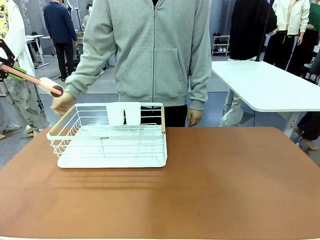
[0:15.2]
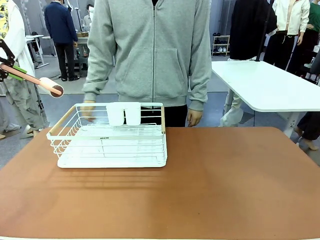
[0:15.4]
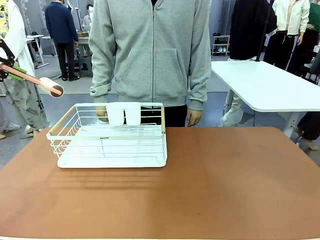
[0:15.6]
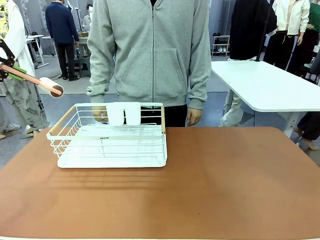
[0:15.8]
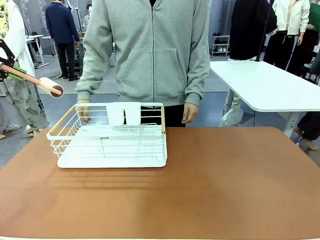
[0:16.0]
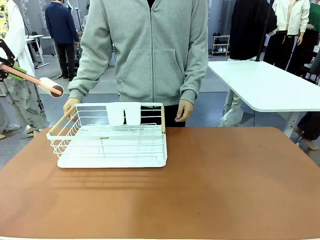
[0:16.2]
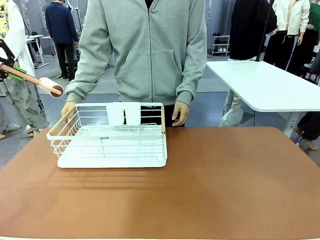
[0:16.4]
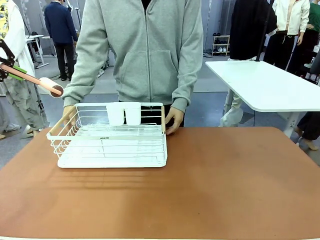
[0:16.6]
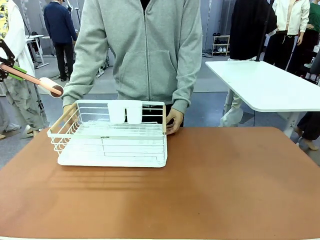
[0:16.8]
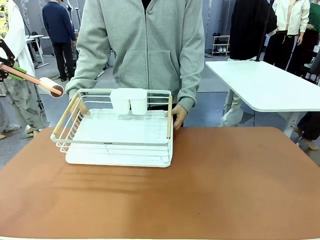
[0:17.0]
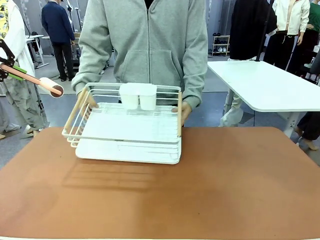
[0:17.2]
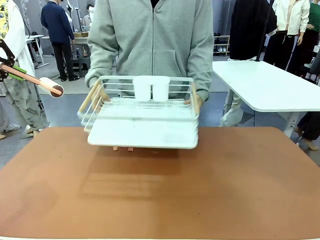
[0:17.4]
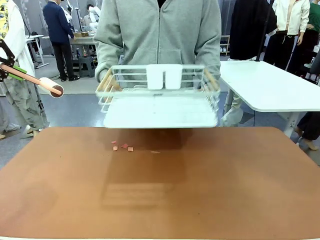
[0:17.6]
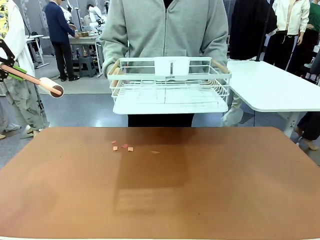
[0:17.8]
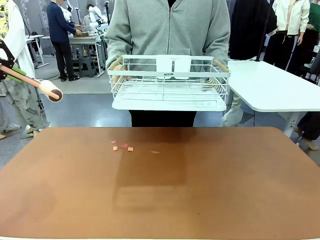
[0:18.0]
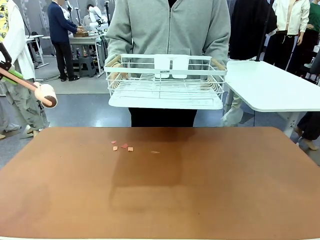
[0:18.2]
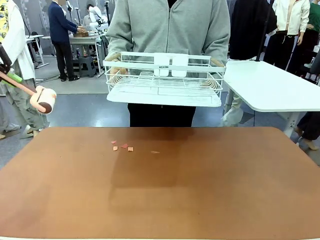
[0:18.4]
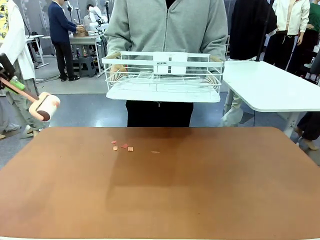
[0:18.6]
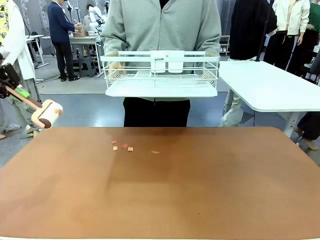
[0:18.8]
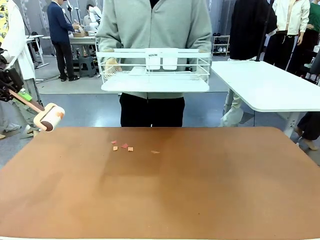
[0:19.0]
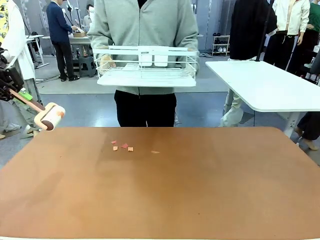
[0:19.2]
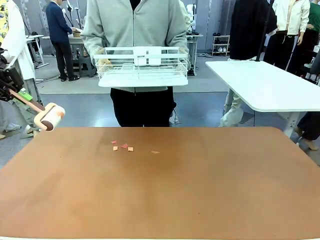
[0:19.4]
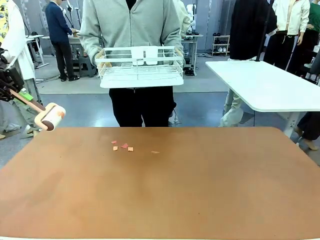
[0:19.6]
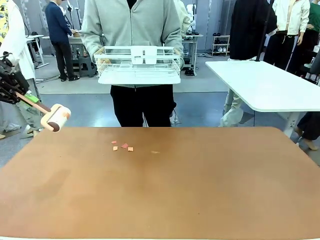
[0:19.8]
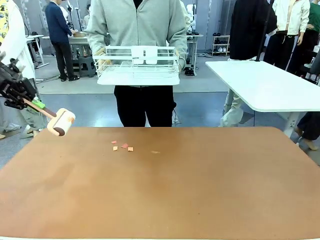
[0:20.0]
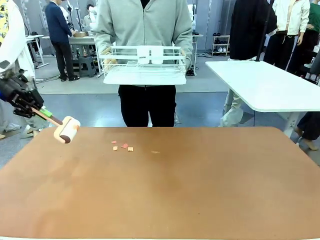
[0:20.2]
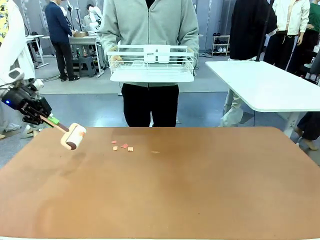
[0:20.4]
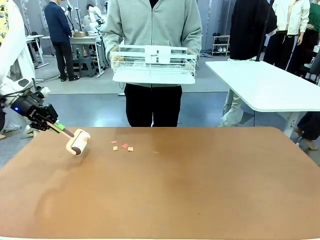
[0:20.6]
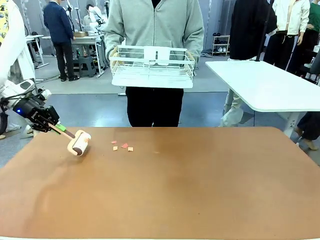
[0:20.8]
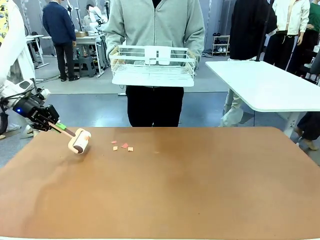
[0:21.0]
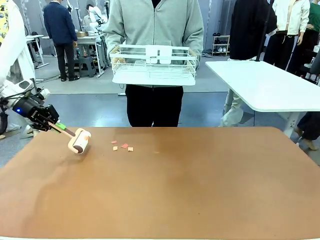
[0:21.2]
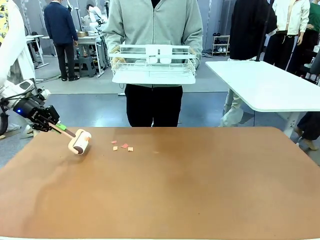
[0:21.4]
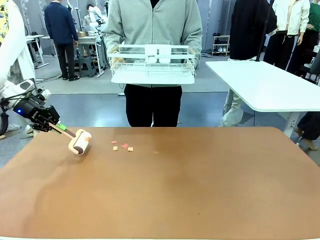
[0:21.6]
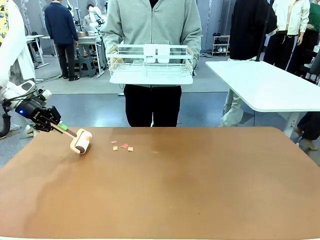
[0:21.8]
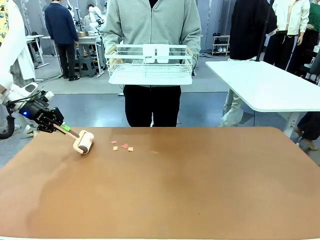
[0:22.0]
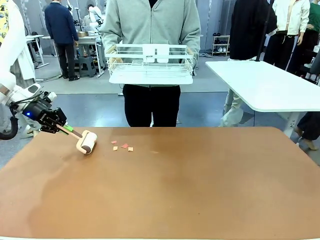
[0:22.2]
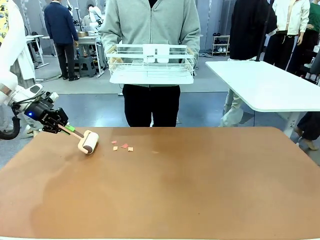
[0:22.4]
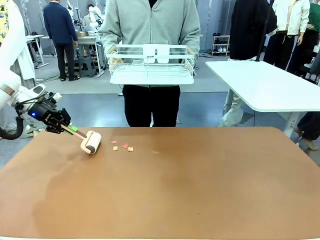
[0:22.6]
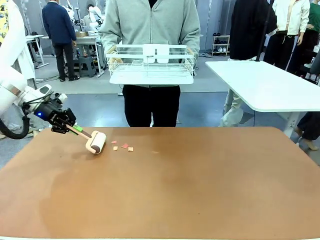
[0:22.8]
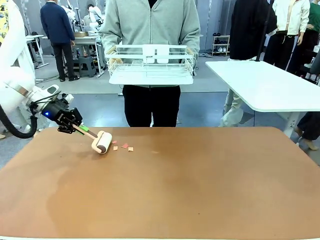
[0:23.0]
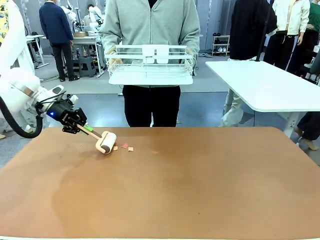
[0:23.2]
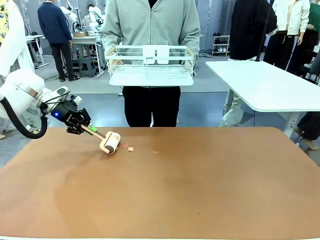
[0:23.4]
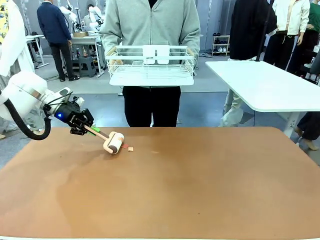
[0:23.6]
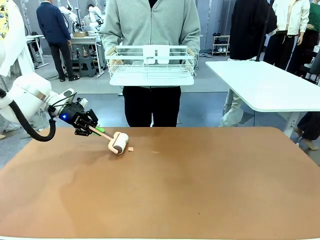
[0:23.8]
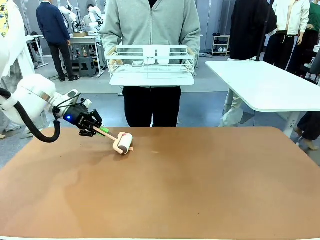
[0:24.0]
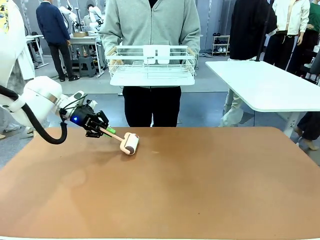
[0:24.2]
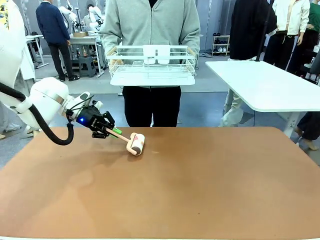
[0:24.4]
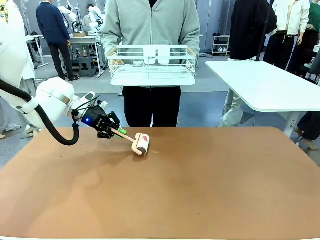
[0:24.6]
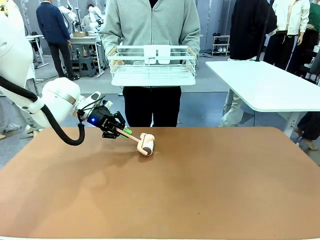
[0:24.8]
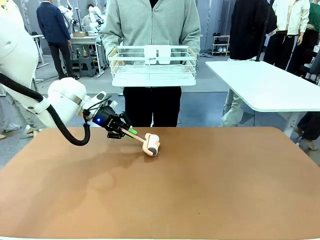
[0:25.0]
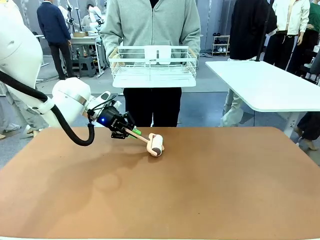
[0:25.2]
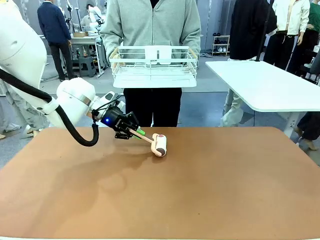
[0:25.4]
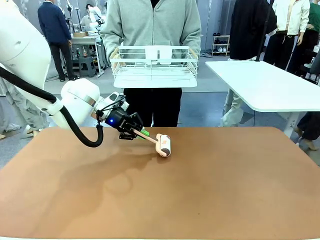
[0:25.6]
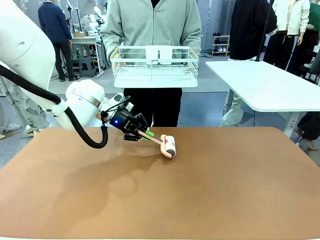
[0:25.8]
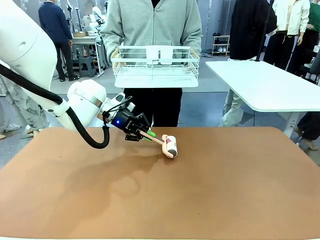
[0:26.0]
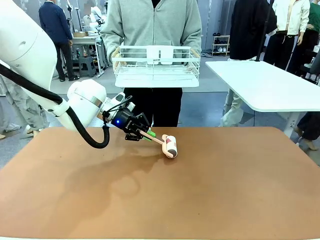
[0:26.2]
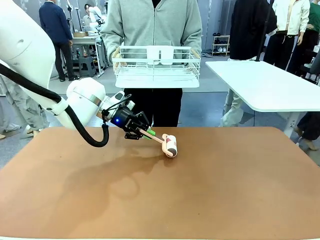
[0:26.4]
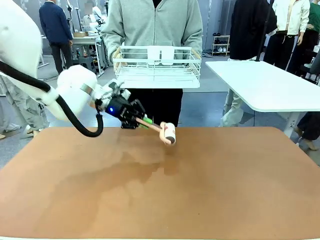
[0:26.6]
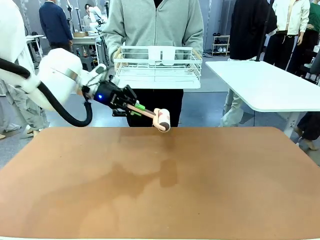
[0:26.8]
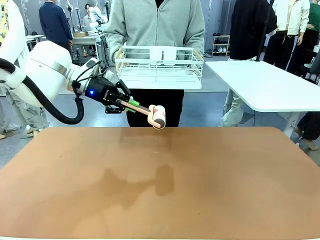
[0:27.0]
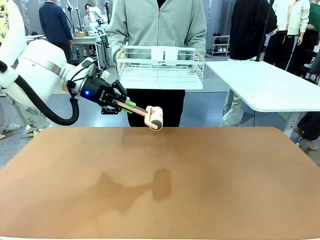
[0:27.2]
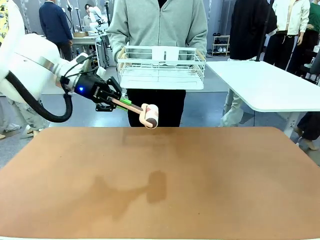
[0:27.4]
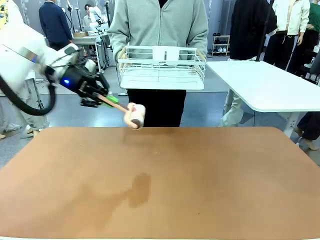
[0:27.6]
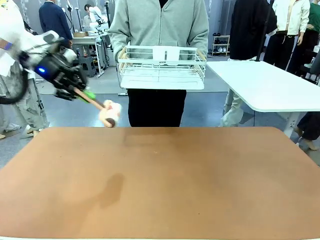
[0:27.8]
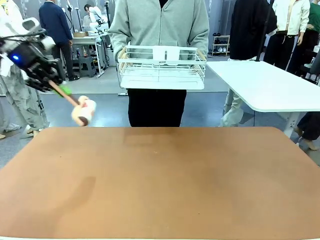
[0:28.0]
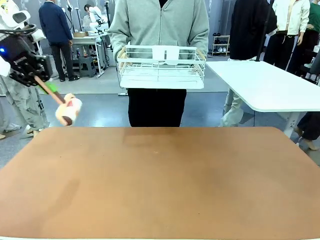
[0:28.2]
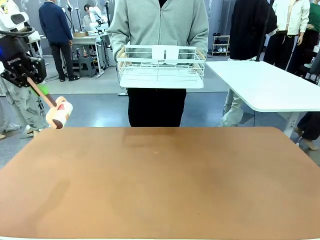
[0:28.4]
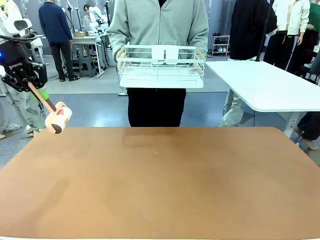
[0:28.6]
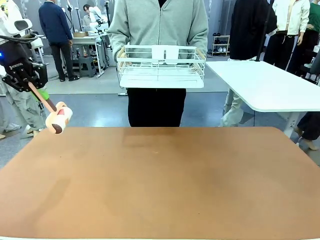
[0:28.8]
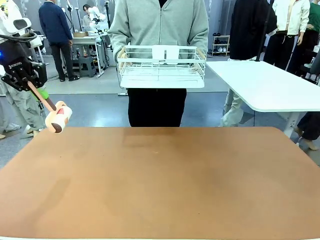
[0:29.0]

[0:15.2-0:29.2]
Task: Clean the table.
Robot: Clean the table with the Lint Roller when the human lifts the Dish drying rack.

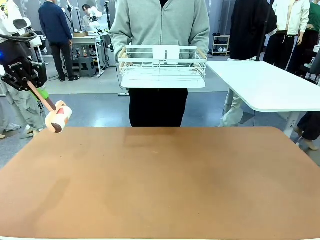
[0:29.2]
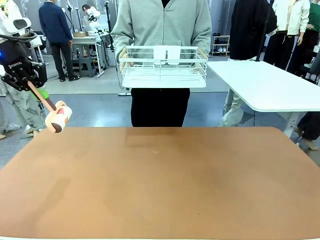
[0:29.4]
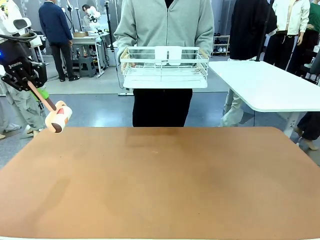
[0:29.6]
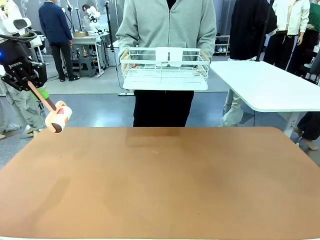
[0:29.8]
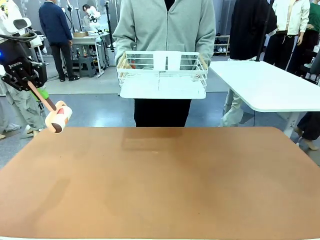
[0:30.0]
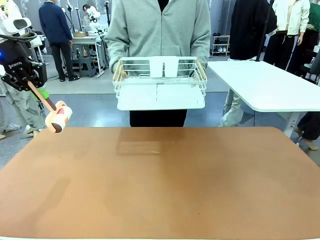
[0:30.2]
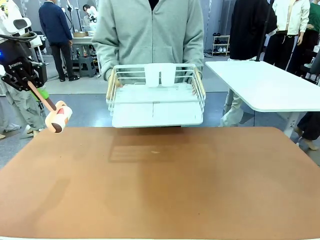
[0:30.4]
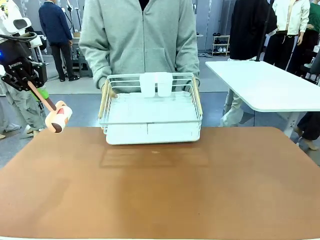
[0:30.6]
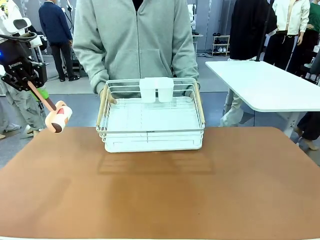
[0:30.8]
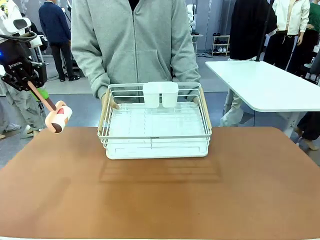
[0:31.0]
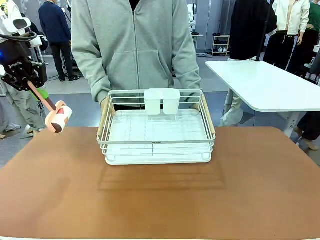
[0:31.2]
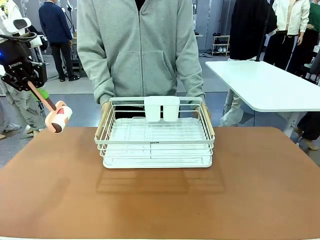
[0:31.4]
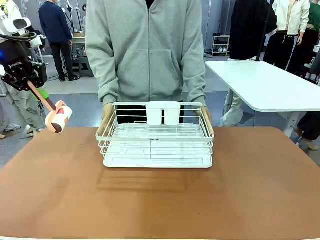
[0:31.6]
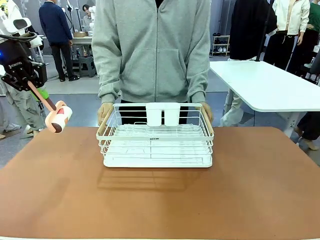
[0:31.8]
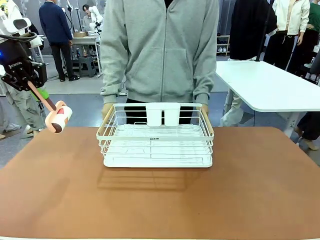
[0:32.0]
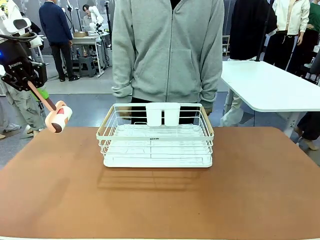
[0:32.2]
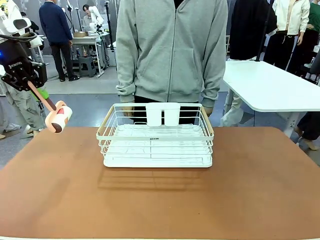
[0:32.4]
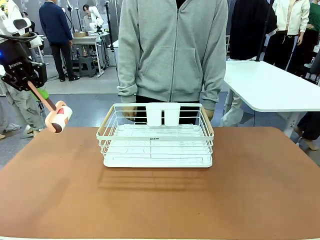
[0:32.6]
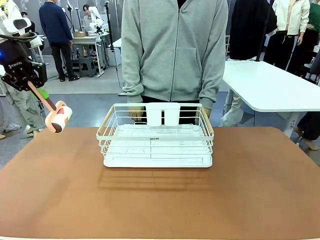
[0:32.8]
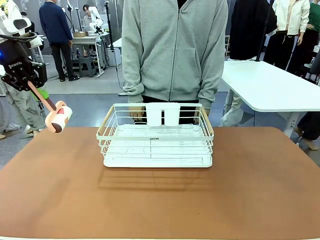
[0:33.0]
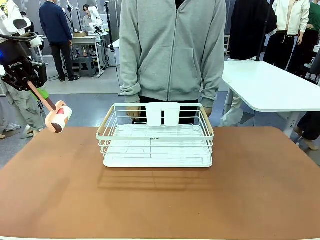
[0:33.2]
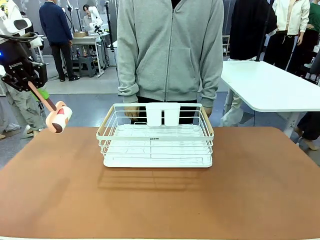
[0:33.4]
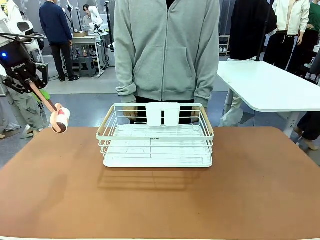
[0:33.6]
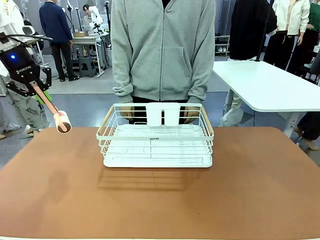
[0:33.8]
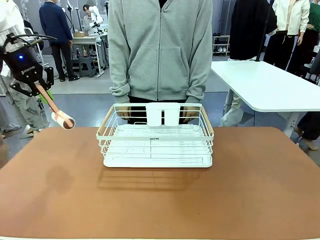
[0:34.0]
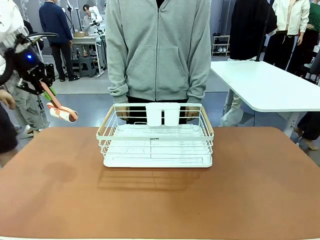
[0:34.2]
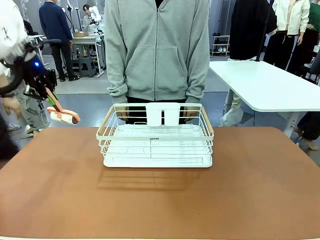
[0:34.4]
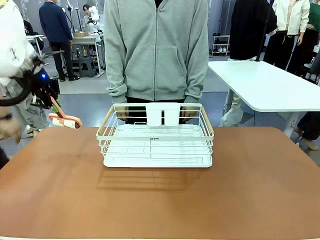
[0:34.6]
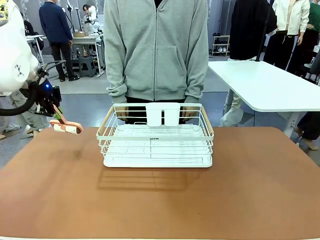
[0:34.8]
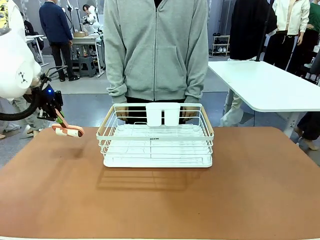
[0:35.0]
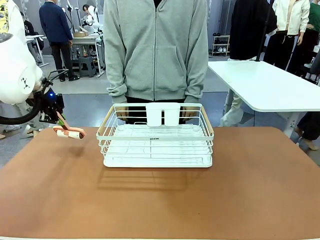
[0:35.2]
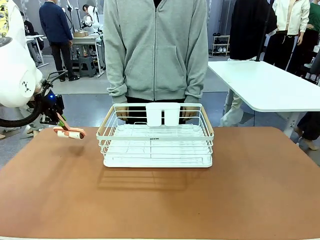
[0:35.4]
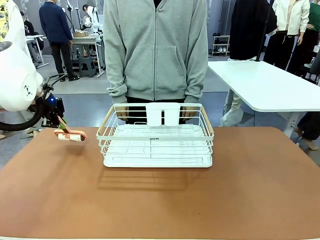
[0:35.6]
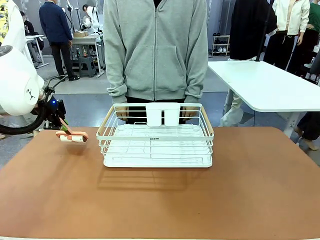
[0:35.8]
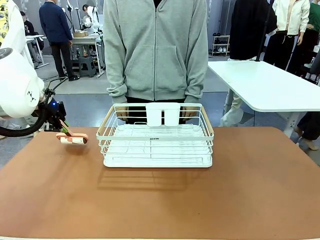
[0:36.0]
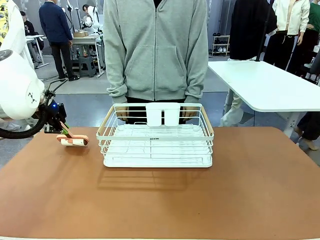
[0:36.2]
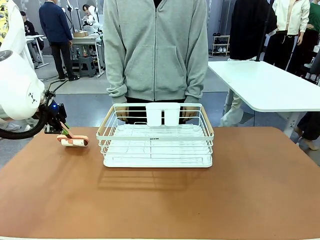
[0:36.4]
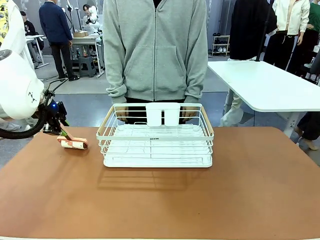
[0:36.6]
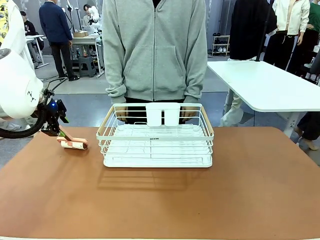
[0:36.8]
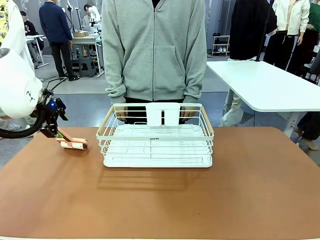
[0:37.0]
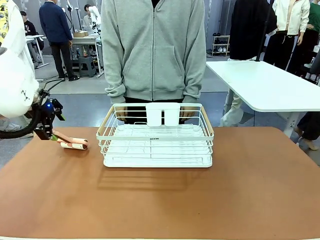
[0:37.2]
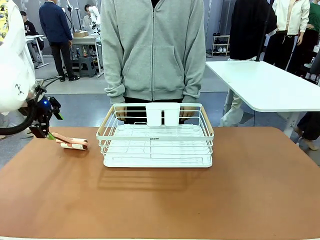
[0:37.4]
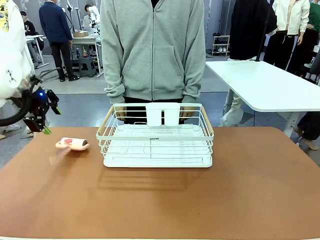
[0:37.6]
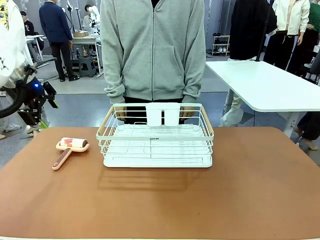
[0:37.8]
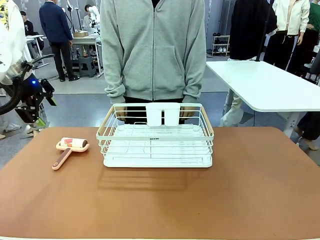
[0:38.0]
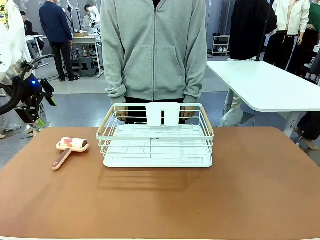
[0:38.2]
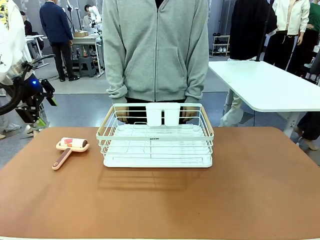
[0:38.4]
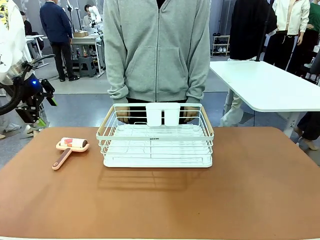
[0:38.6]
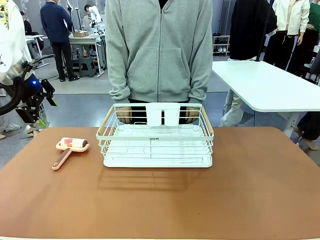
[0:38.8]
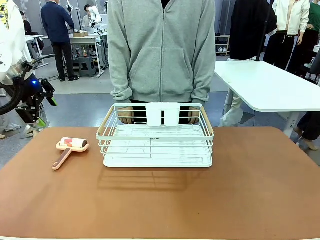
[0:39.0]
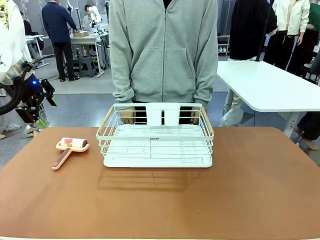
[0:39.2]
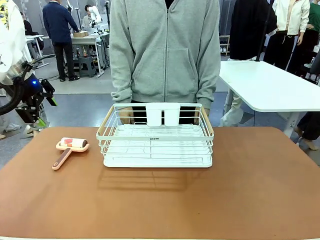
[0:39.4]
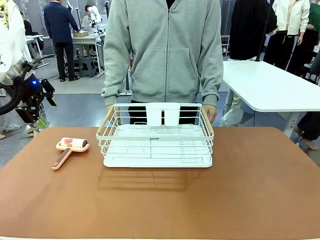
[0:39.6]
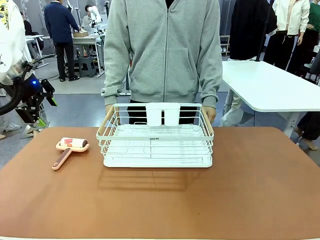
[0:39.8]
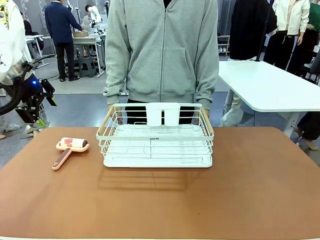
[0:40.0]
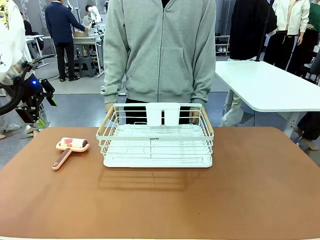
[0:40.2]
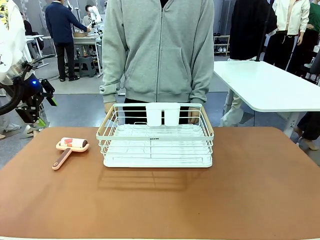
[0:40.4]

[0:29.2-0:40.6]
Robot: Place the Lint Roller down when the Dish drying rack is positioned in the middle of the table.
Person: Place the Dish drying rack down when the robot finishes cleaning.
